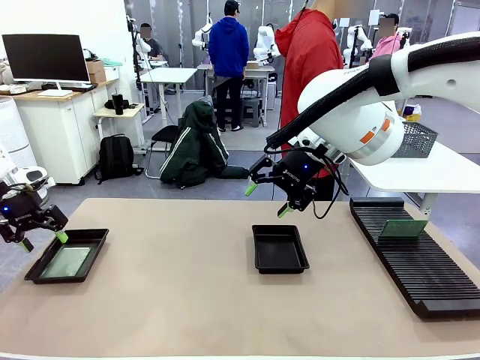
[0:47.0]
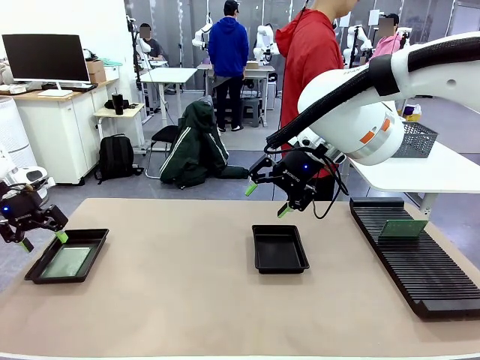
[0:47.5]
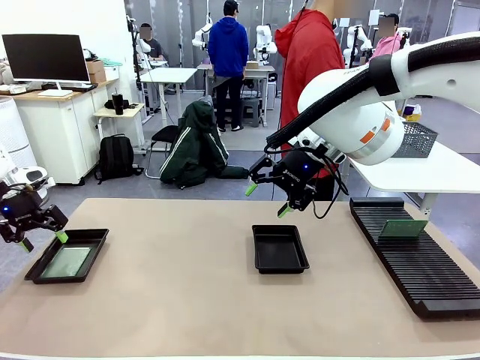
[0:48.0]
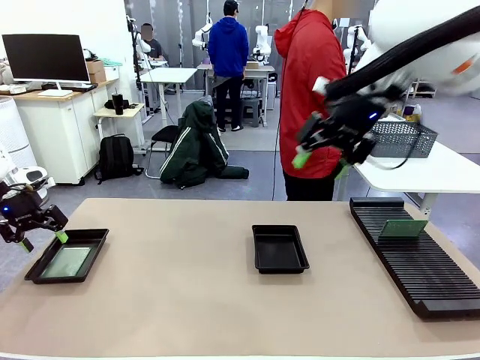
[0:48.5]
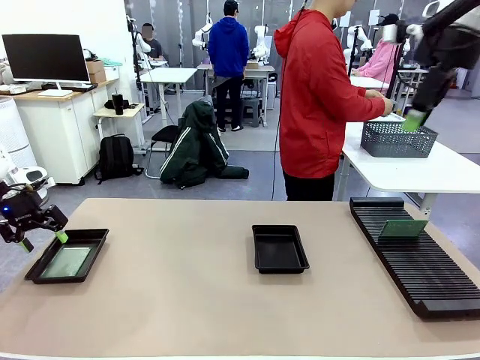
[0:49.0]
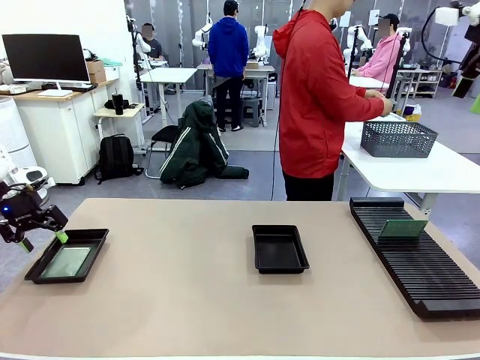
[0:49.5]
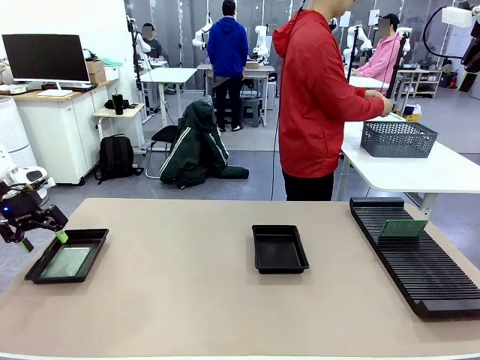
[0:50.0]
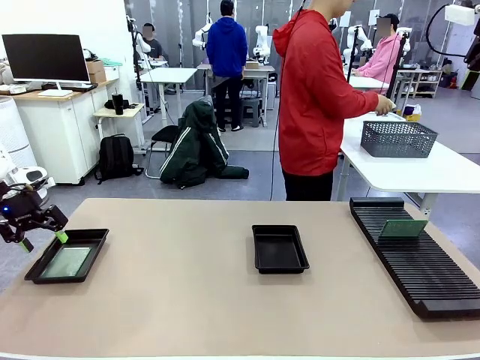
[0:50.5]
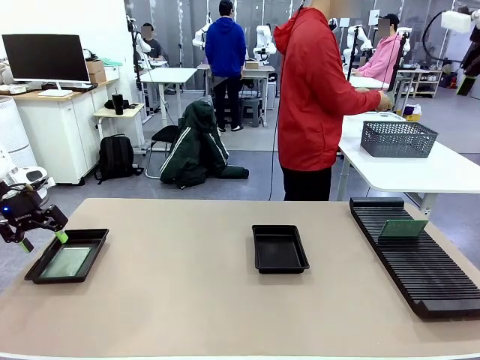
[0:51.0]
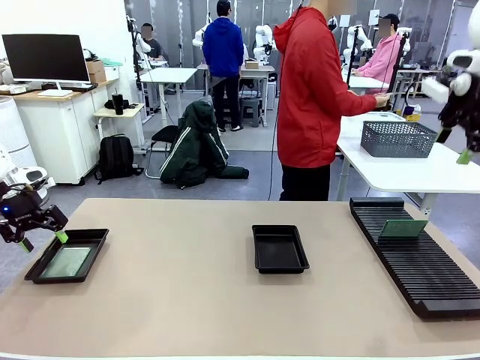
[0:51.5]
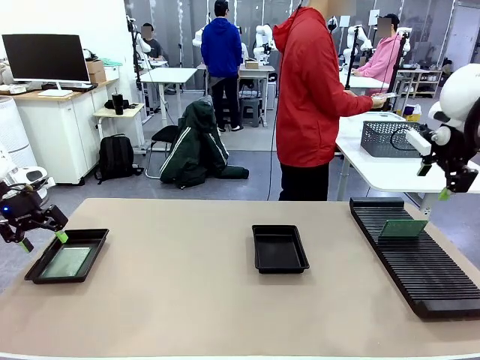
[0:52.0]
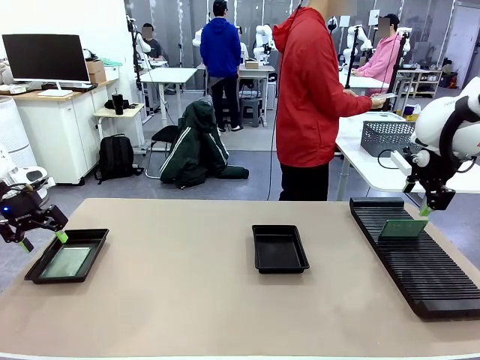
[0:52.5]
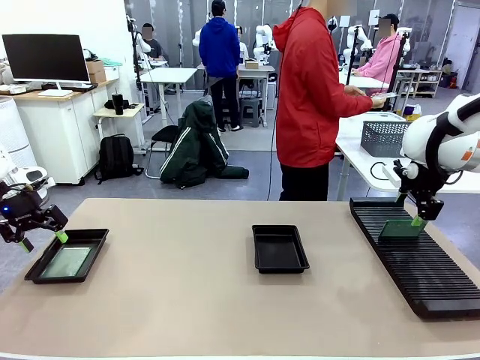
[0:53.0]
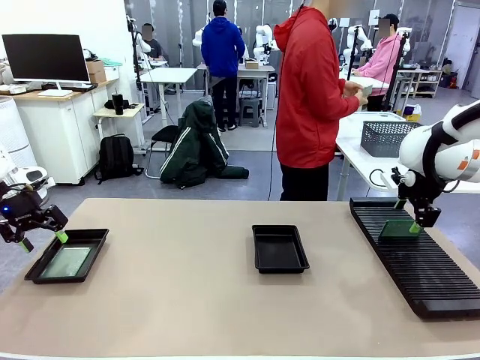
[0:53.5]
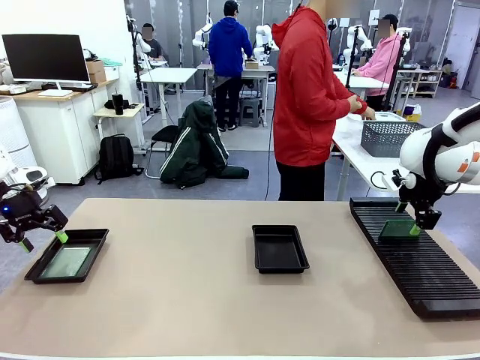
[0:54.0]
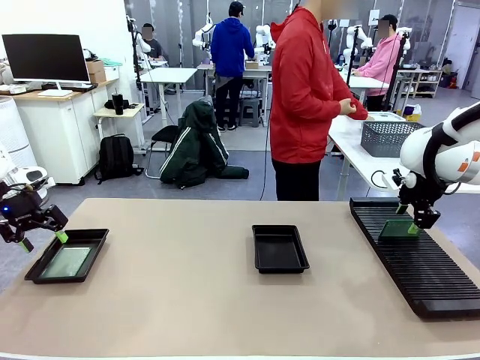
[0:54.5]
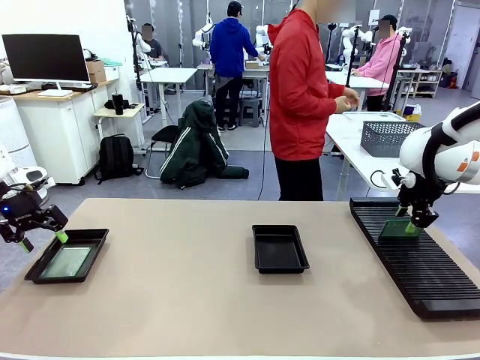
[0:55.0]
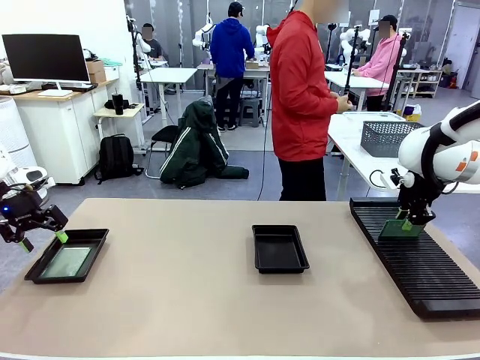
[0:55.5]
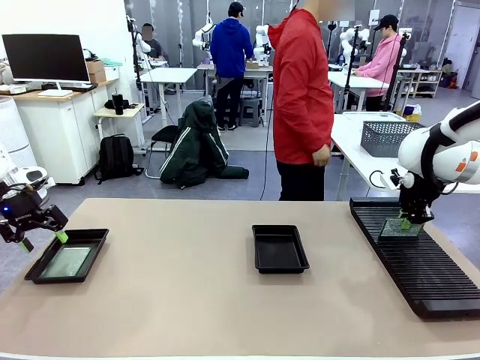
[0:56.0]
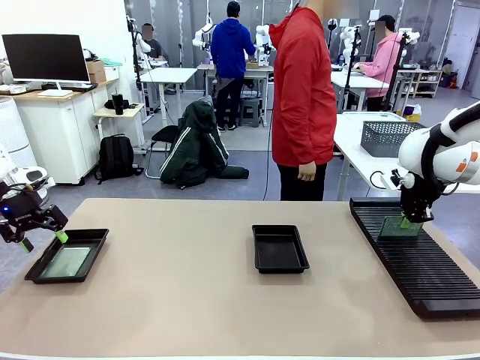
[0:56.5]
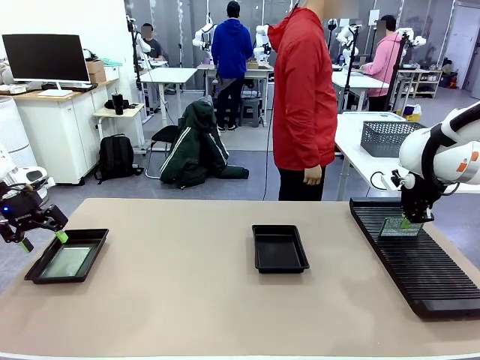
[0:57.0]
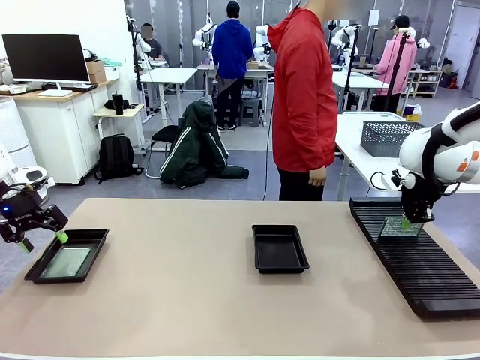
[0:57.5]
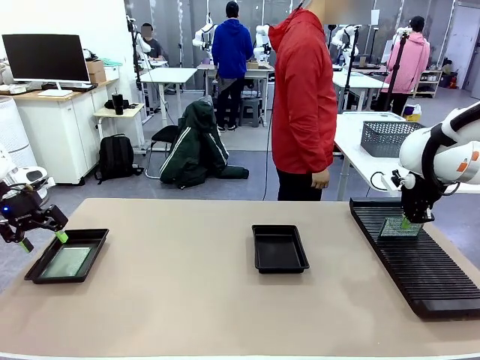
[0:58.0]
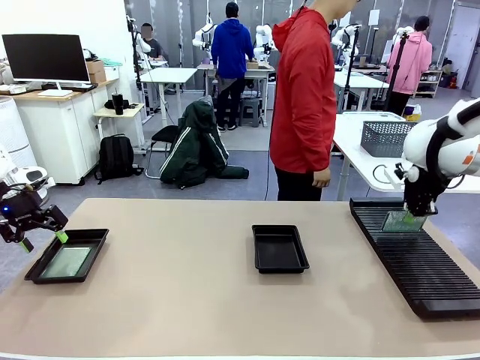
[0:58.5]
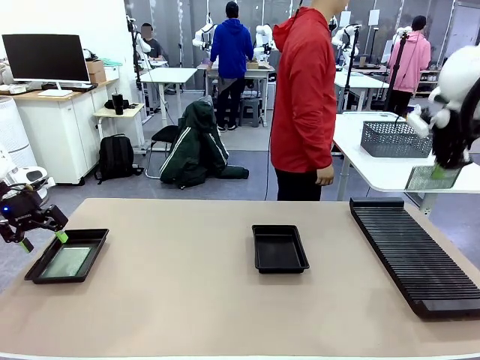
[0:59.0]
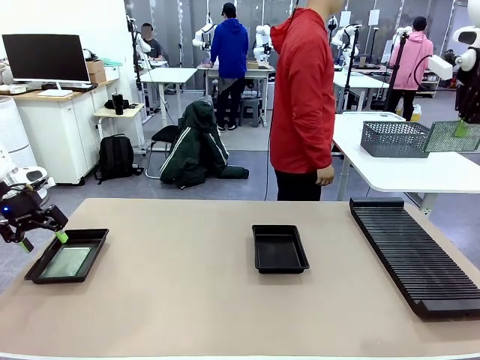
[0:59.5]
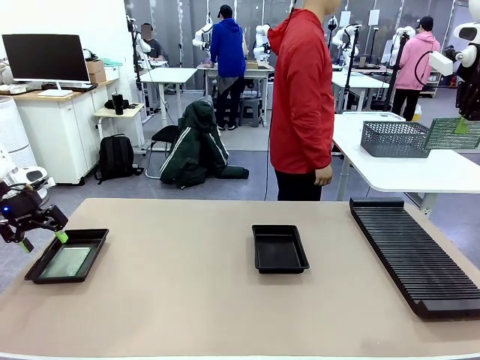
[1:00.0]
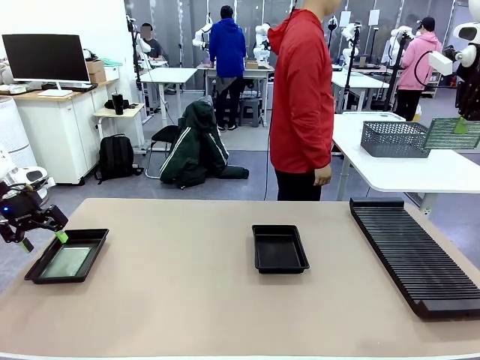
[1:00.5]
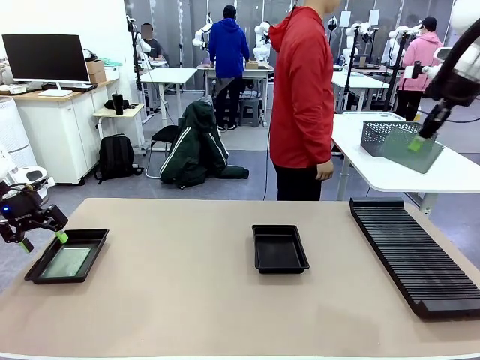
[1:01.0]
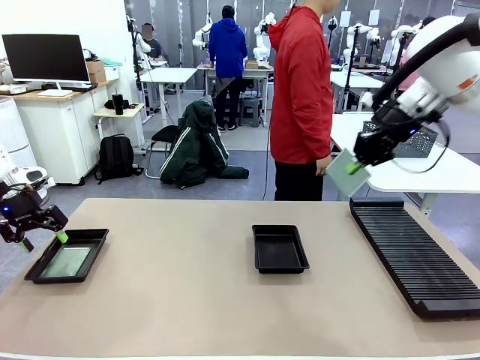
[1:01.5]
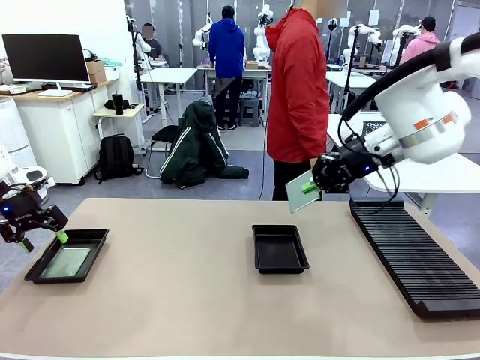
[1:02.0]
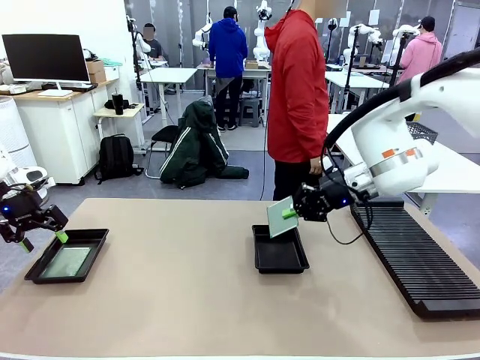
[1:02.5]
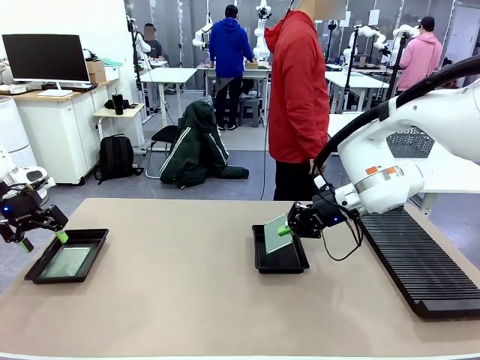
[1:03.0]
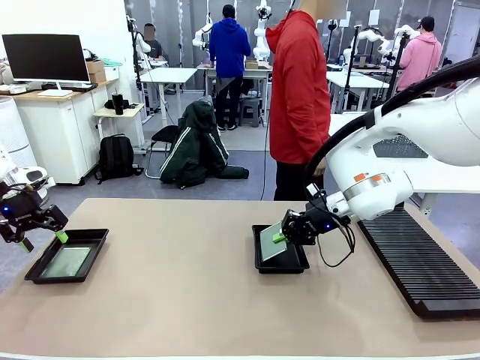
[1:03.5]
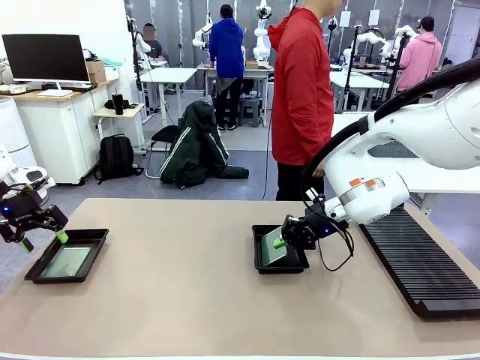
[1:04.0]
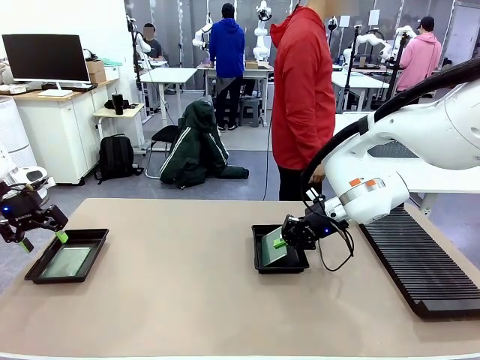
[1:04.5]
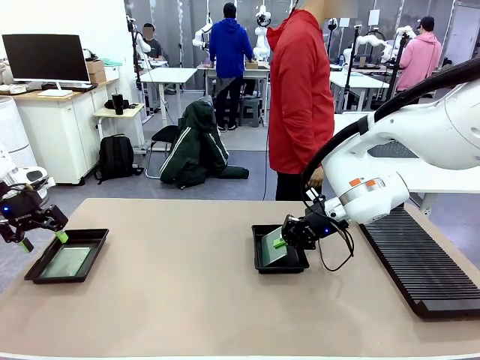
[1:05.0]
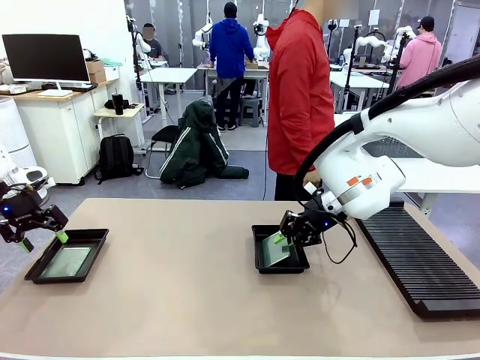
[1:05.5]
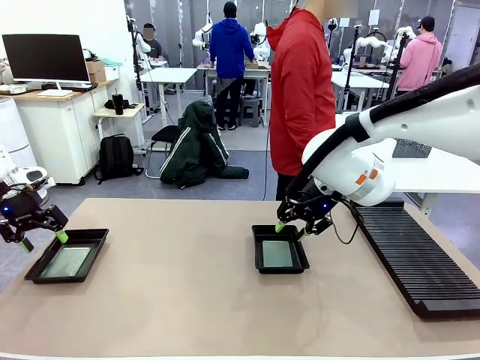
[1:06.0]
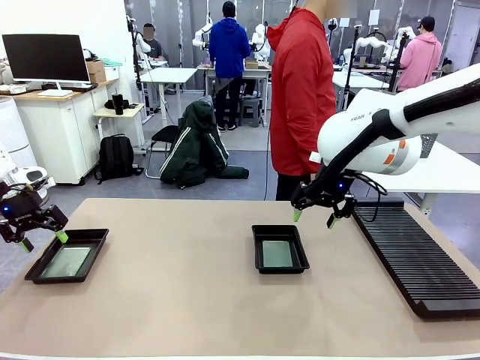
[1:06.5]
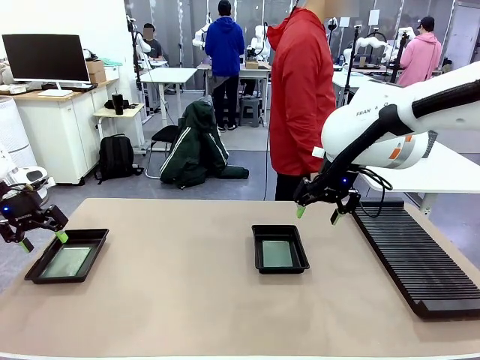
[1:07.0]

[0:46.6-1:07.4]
Task: Inspect and transfer BCBs to ESD trays.
Robot: Pick up the Blank PCB from the PCB Rack and place it in the right ESD tray.

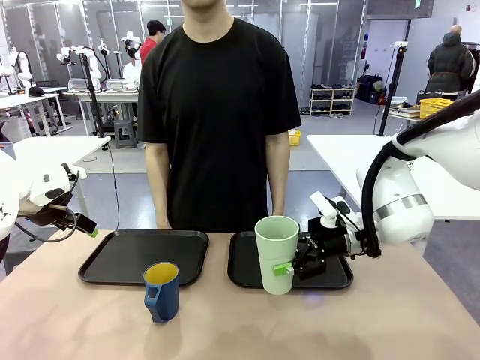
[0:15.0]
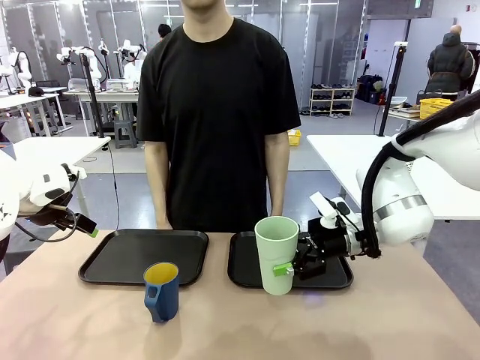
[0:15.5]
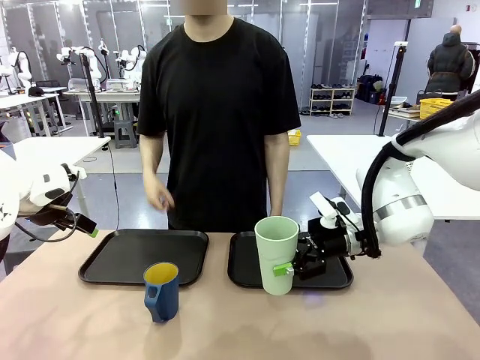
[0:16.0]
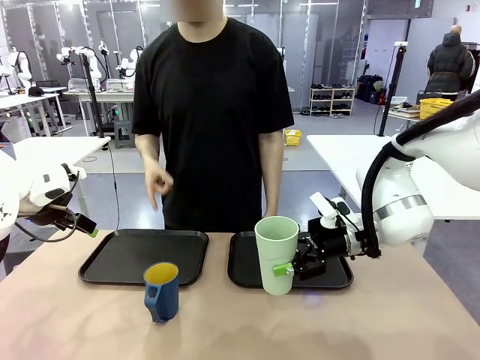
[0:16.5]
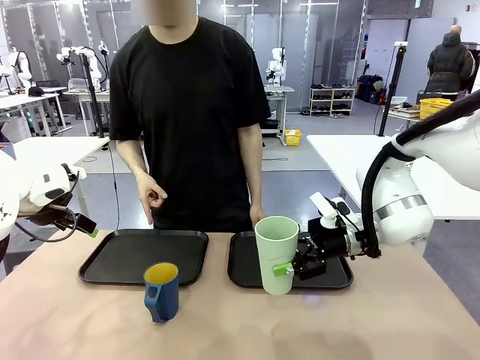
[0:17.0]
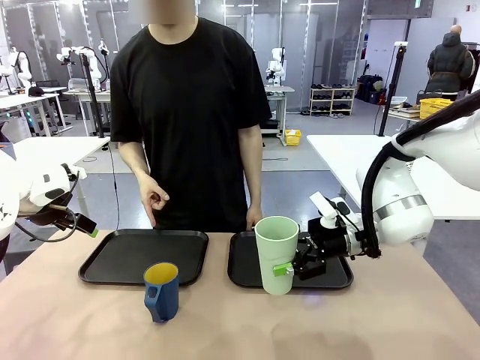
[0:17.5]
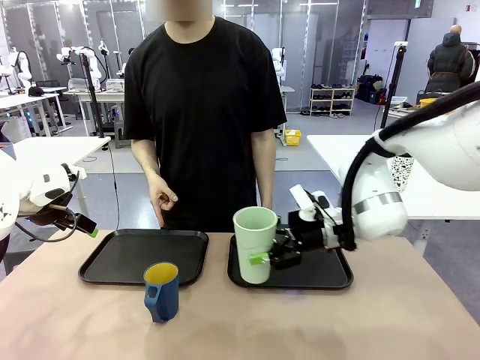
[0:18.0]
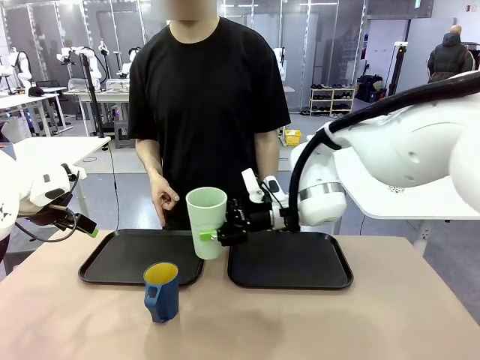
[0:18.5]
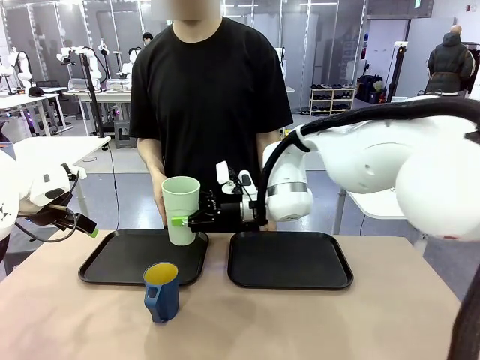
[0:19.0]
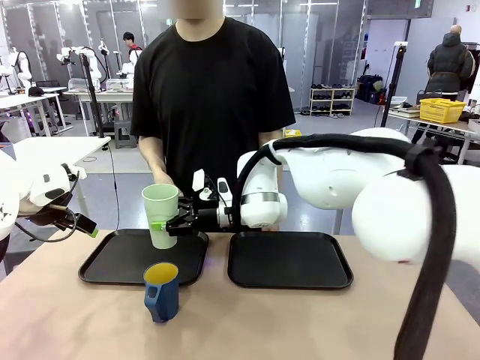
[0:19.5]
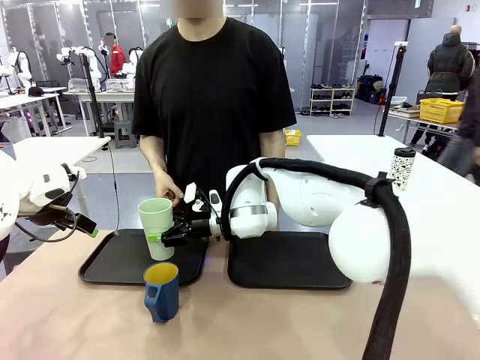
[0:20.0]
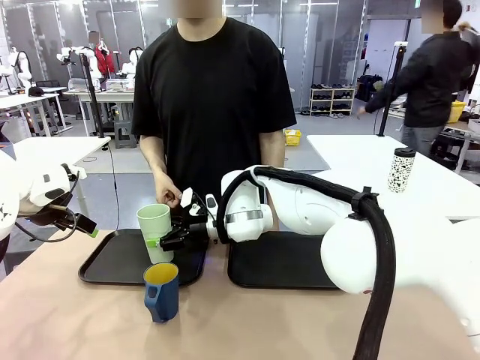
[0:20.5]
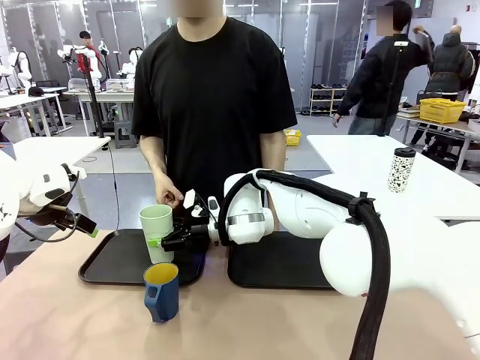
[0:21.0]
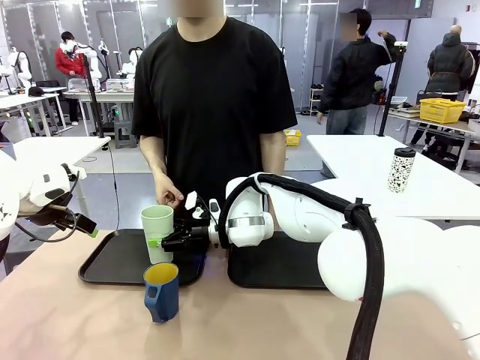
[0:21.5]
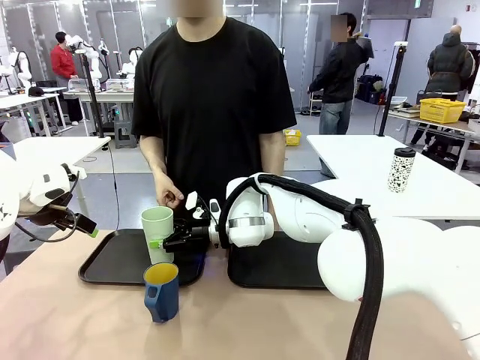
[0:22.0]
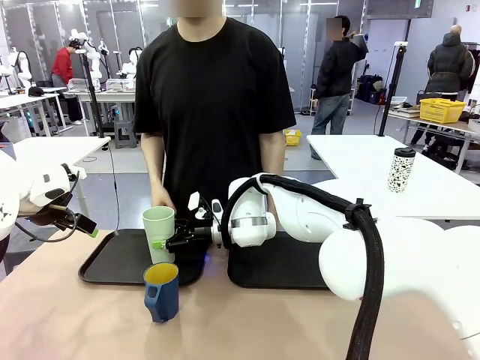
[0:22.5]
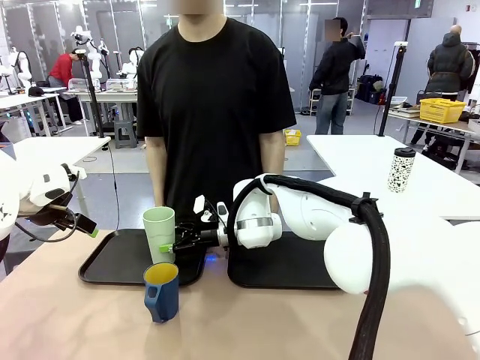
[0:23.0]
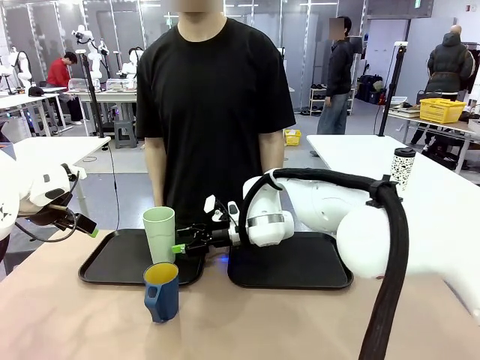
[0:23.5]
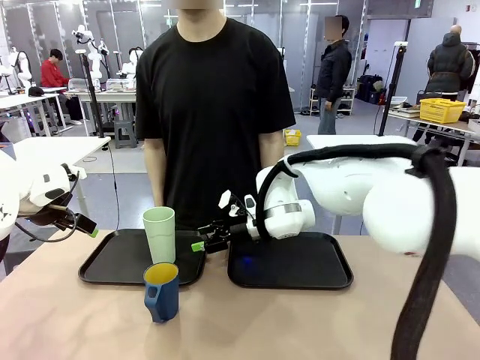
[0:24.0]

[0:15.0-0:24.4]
Task: Sort and store the cups by type.
Robot: Place the picked Reusable plastic cup into the Flat Tray indicated by the person.
